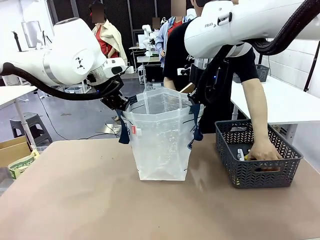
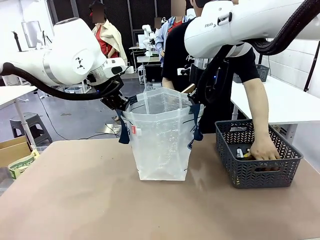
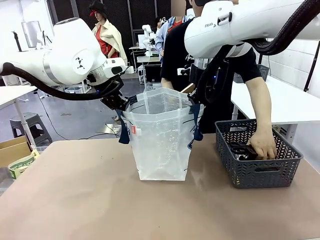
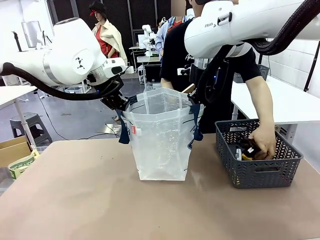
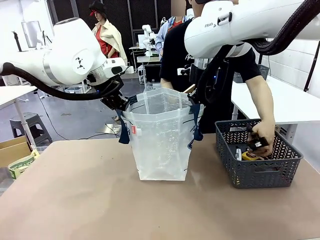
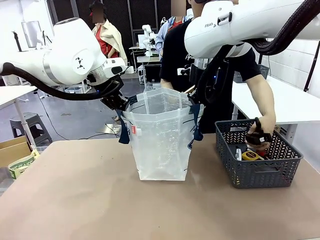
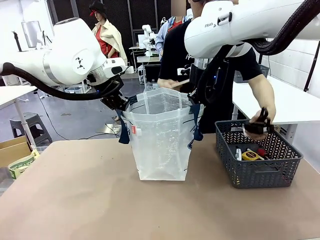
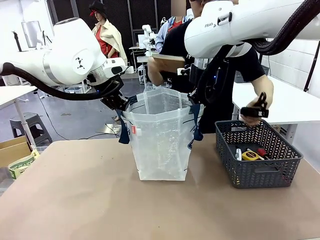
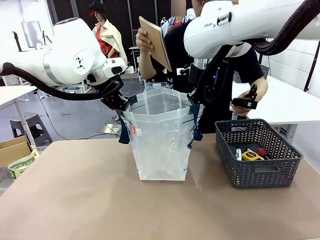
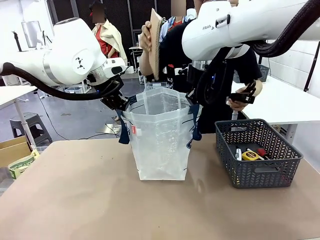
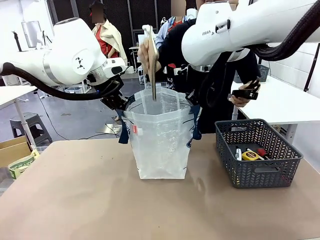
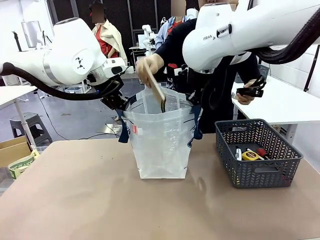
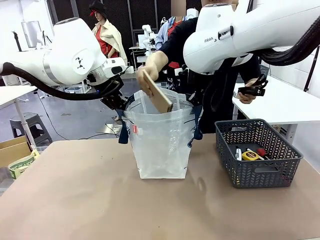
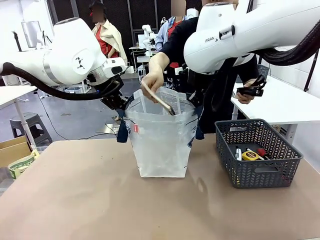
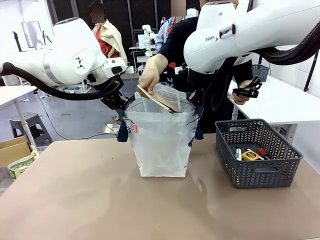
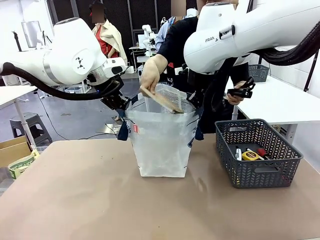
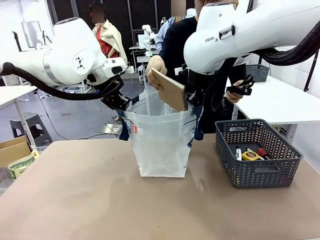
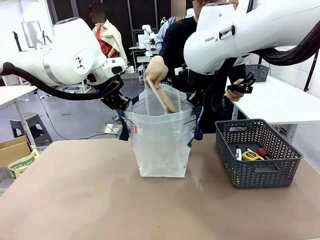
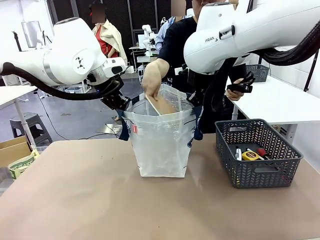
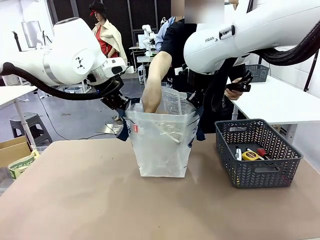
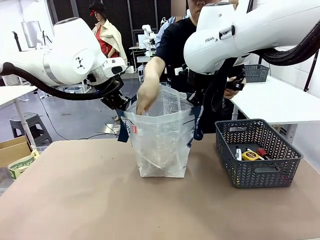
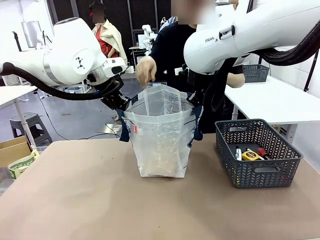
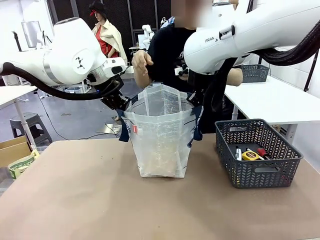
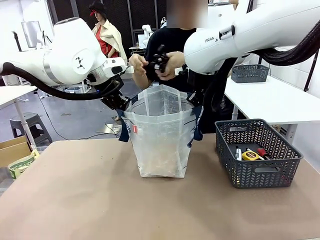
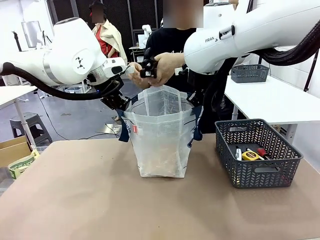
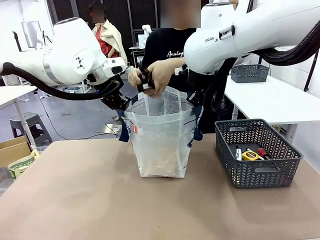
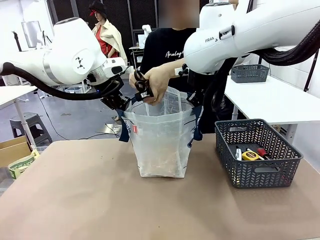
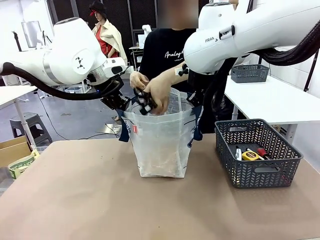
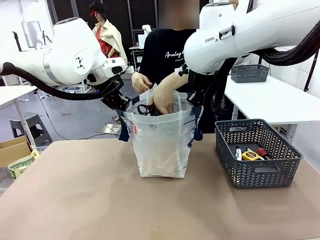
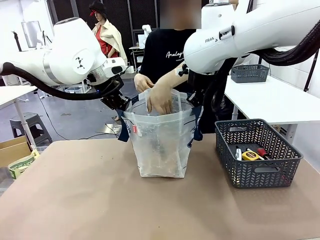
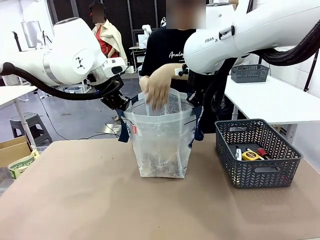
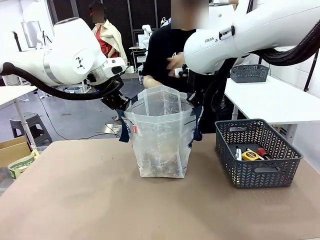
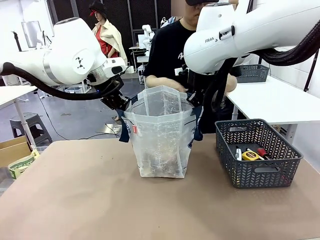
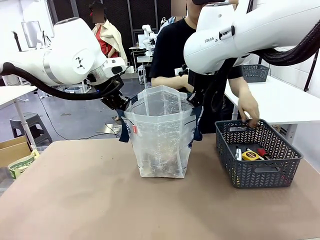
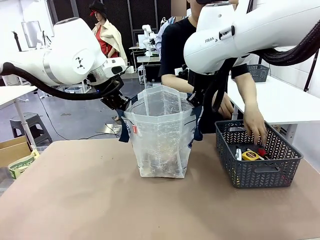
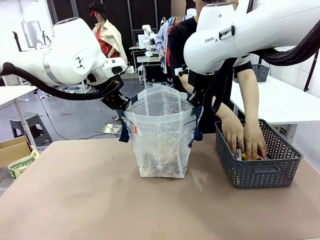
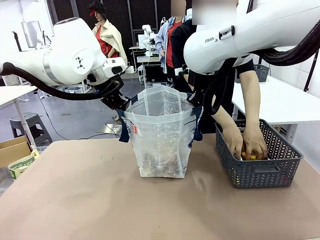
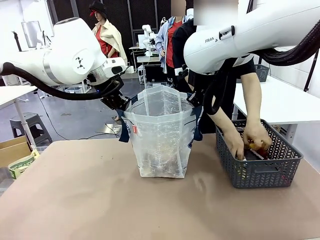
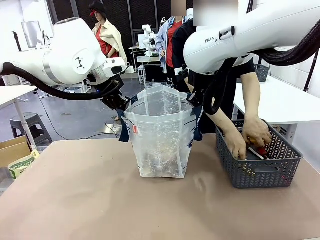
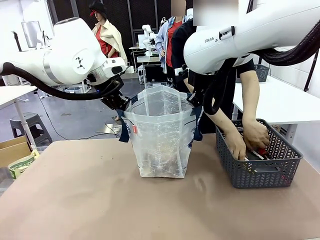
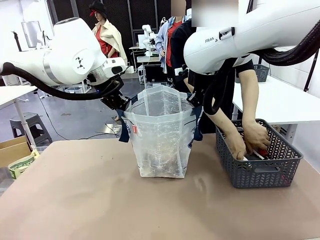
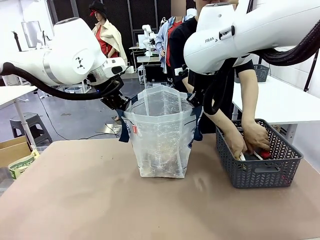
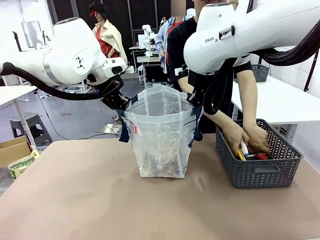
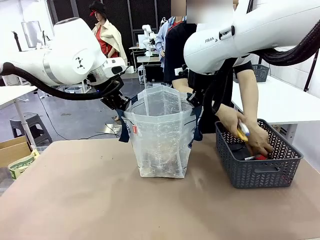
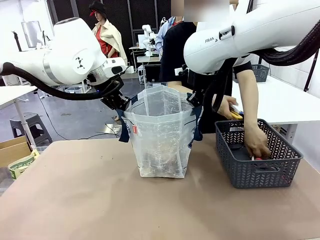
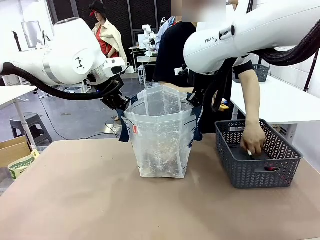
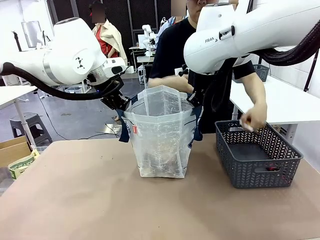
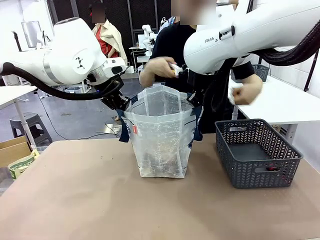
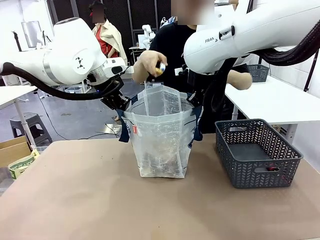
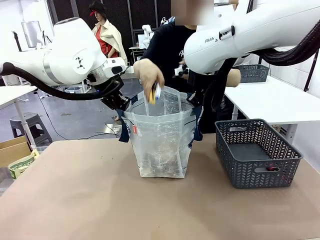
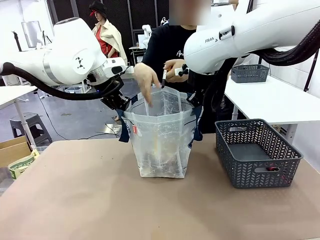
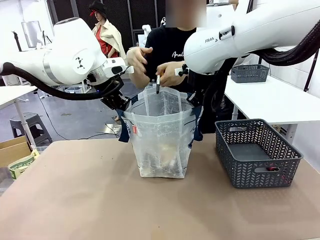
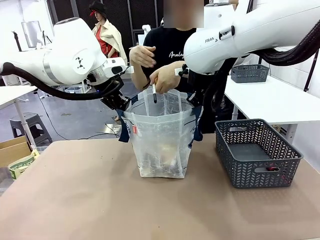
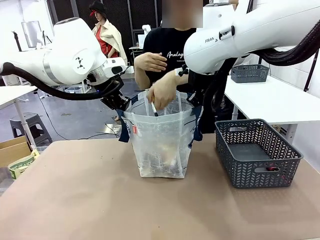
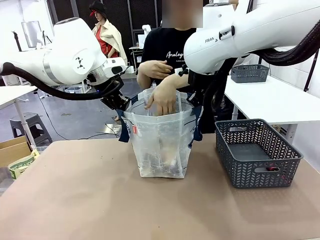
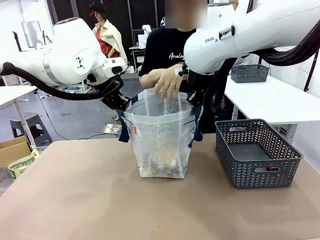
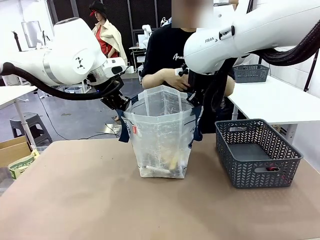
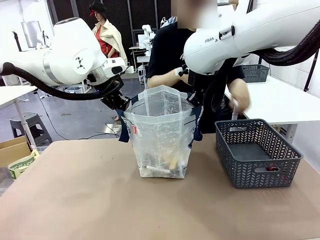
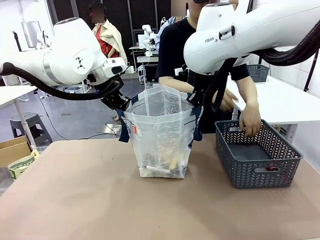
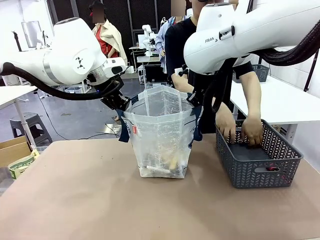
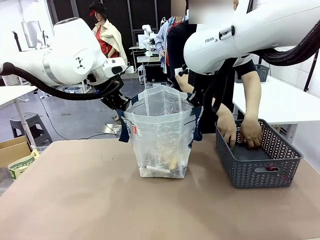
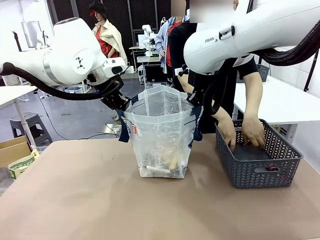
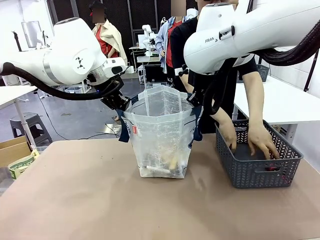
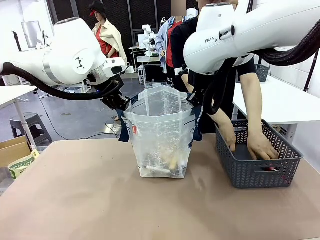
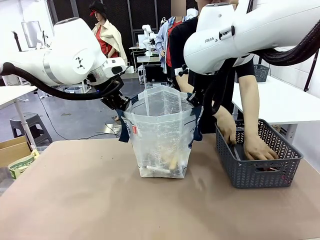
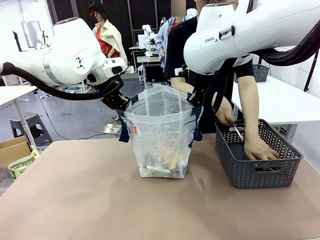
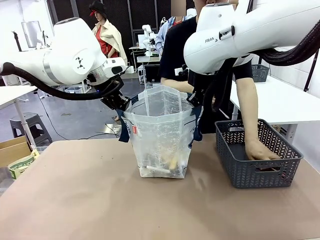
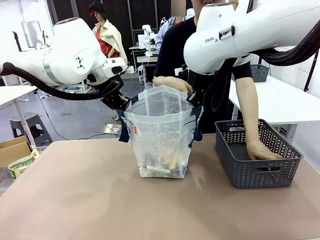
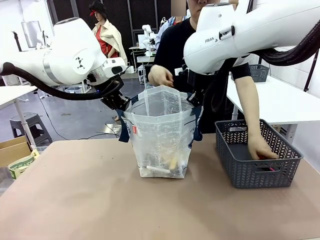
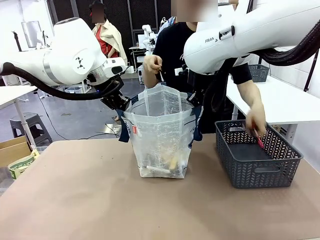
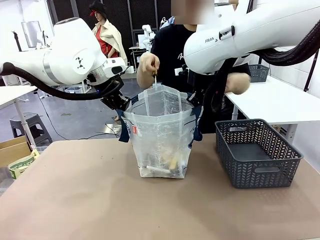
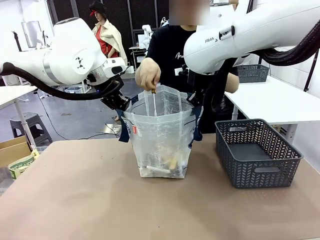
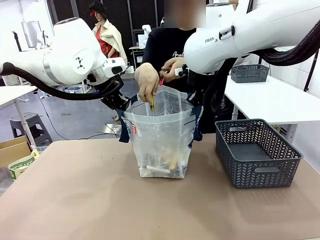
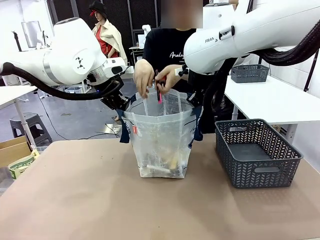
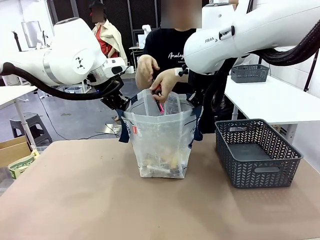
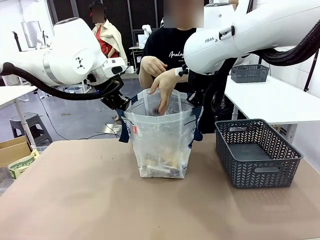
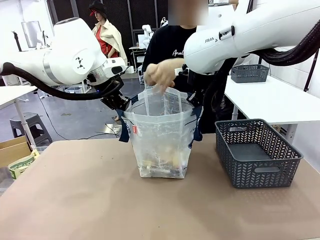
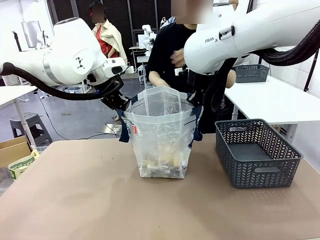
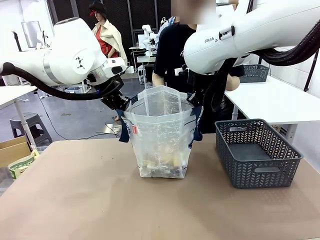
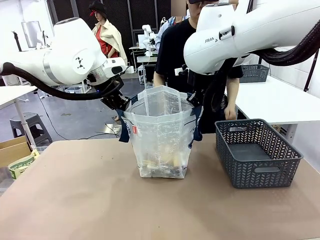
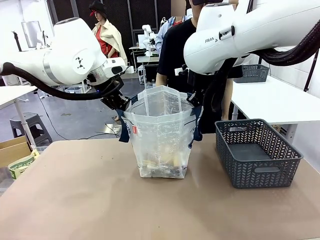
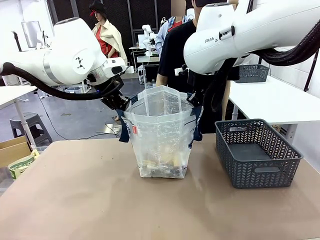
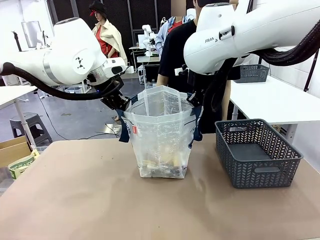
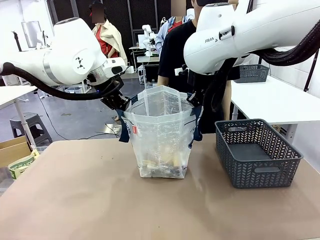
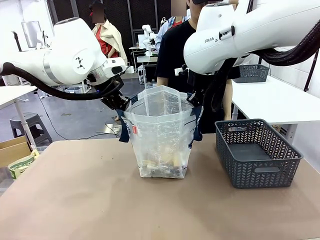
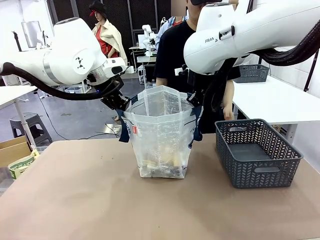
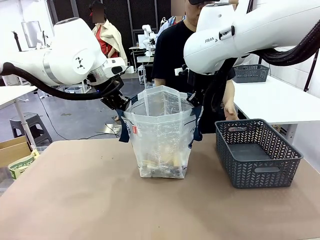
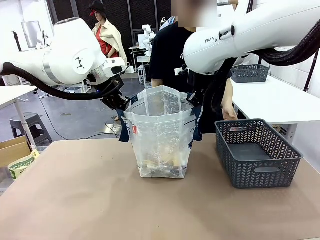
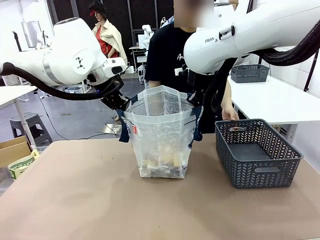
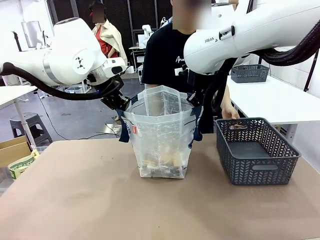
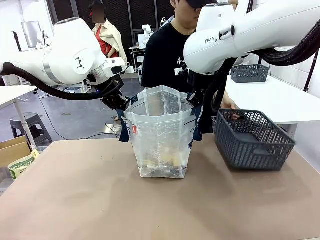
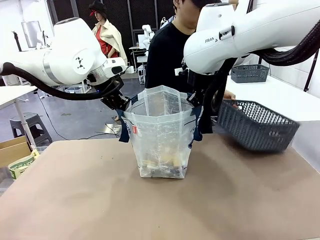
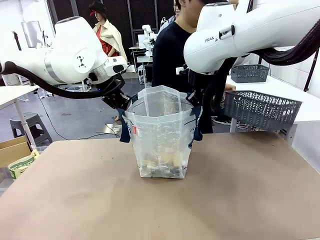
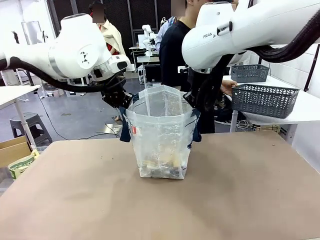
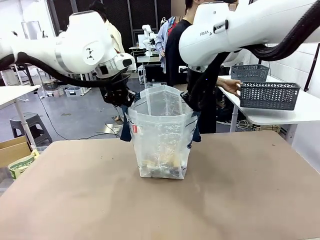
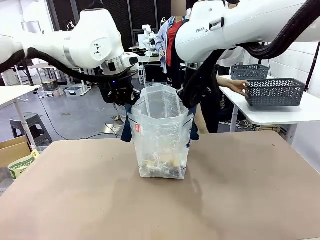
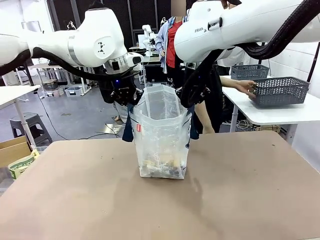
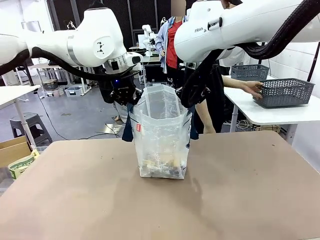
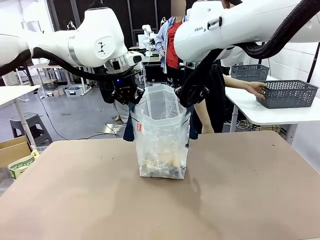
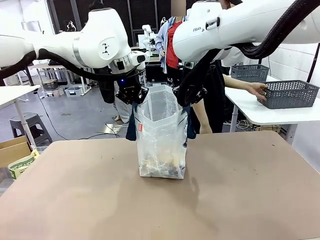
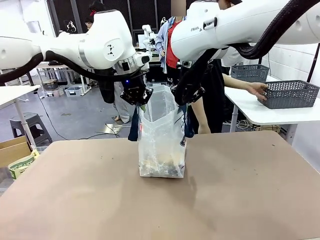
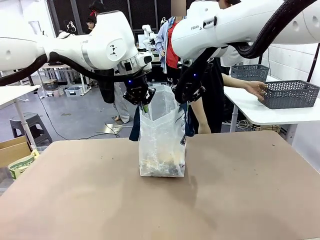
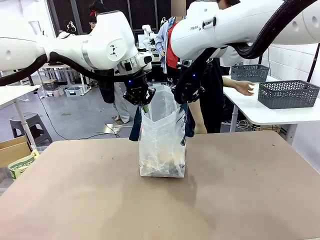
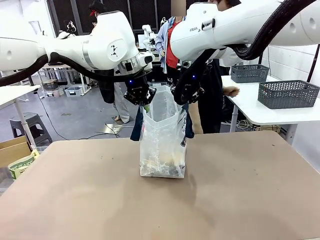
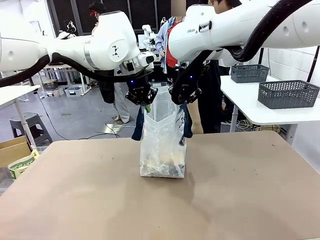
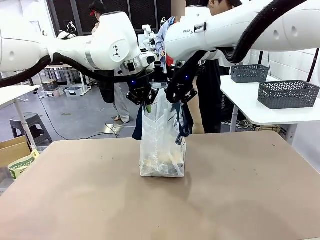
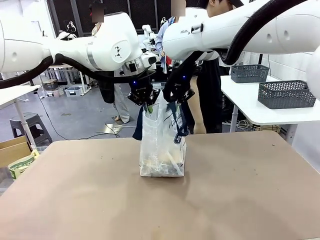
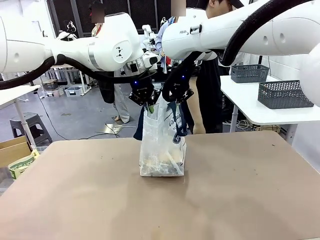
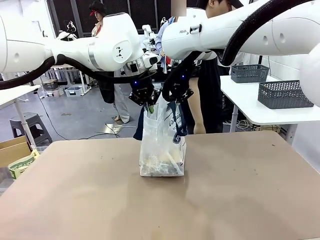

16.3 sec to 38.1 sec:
Task: Transfer purchased items from the store into the shopping bag.
Robot: Move the Reusable shopping bag to the right side of the table.
Person: Pick up the basket on the right, place it on the left side of the robot table, and move the items in the basket to the shopping bag. Pick up the basket with the items out and place it on the right side of the human table.
